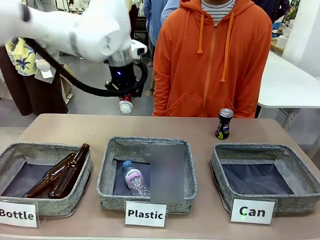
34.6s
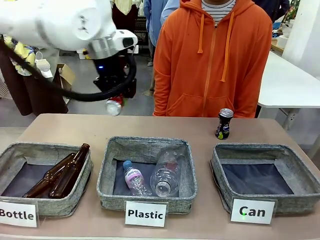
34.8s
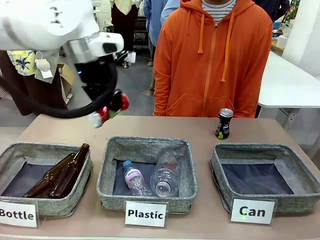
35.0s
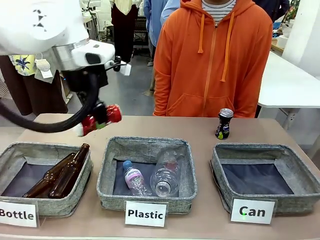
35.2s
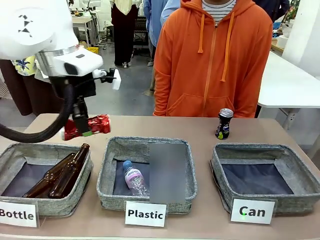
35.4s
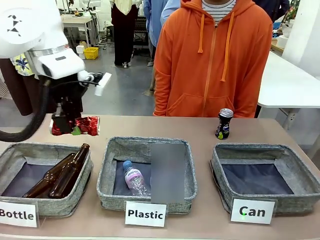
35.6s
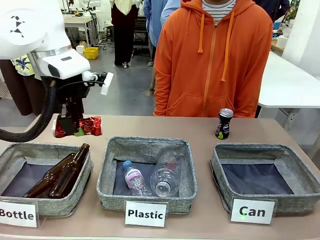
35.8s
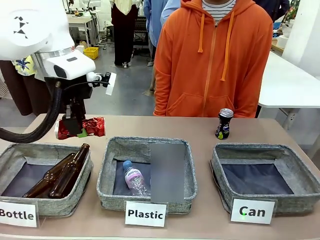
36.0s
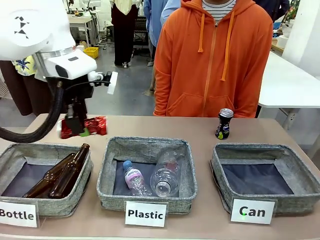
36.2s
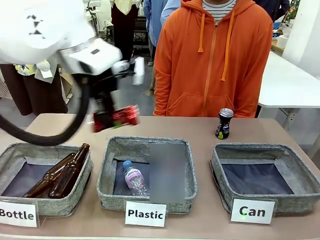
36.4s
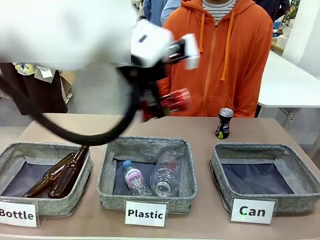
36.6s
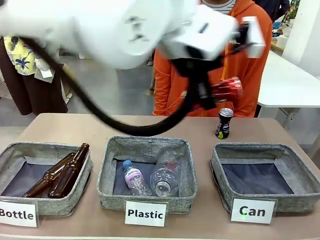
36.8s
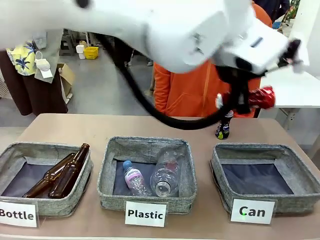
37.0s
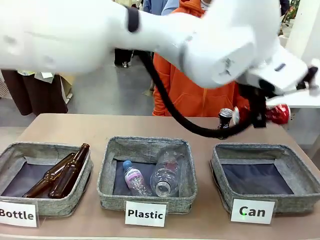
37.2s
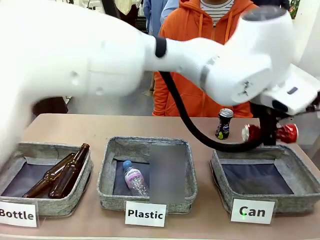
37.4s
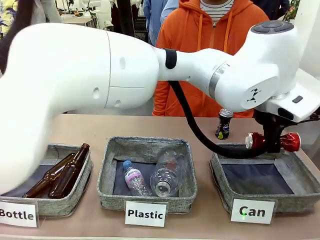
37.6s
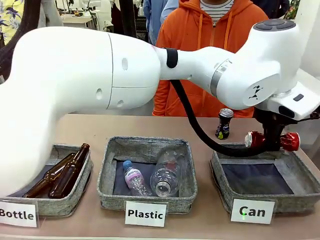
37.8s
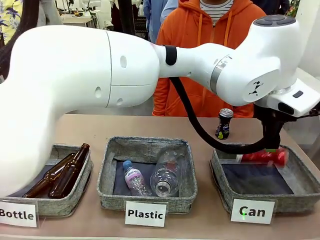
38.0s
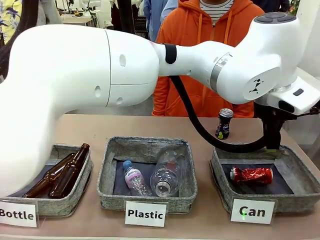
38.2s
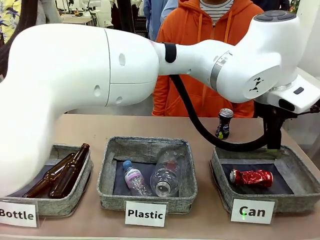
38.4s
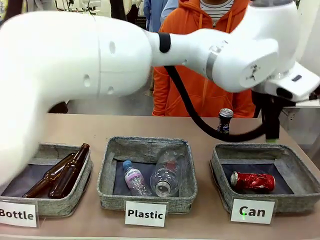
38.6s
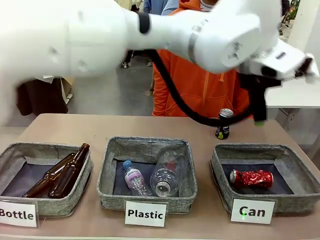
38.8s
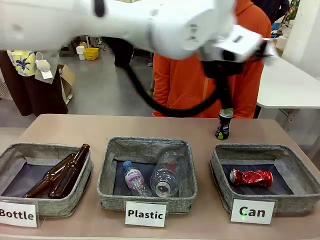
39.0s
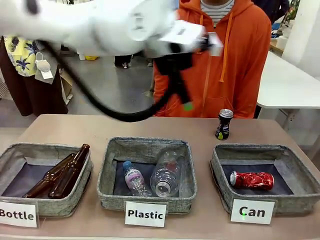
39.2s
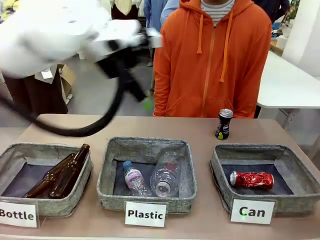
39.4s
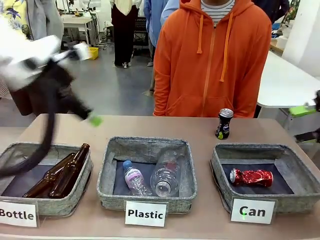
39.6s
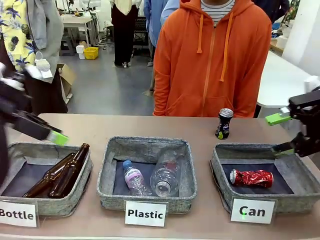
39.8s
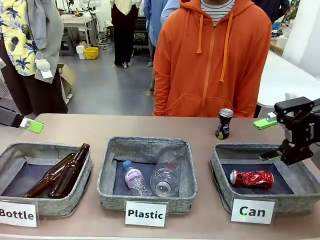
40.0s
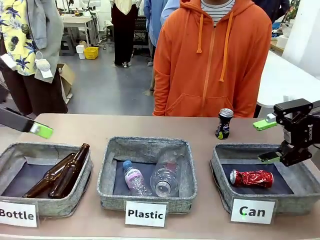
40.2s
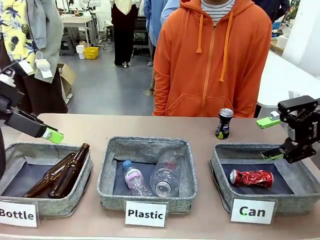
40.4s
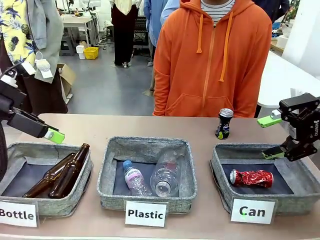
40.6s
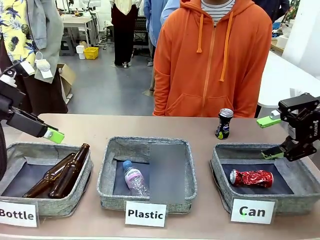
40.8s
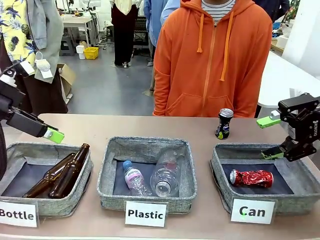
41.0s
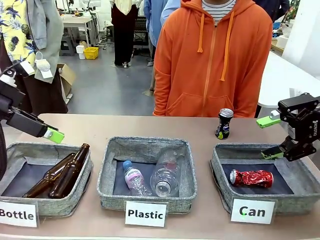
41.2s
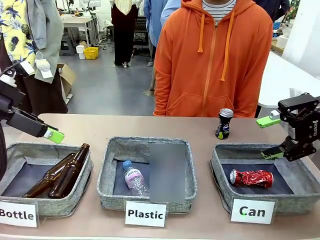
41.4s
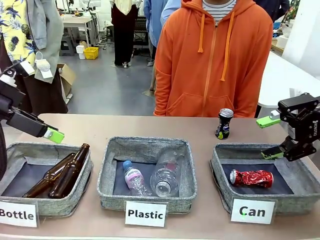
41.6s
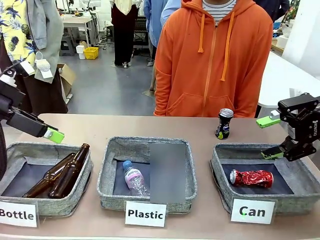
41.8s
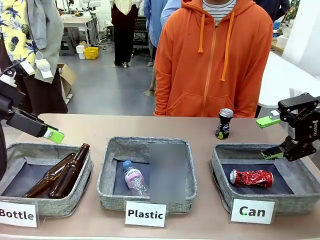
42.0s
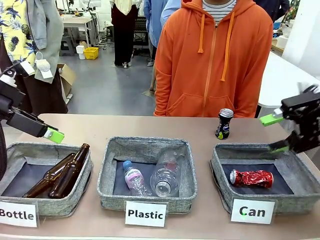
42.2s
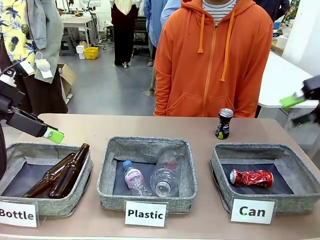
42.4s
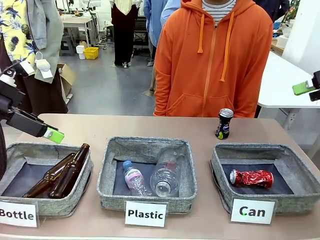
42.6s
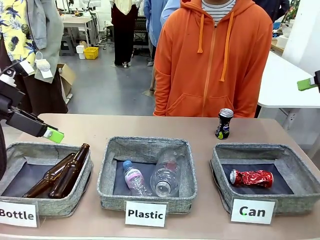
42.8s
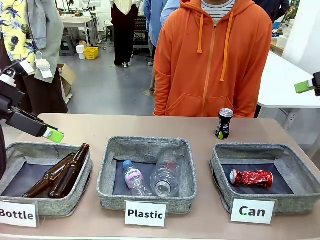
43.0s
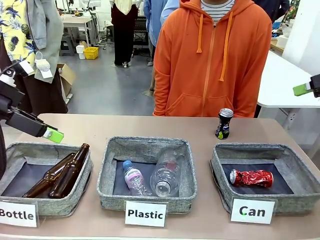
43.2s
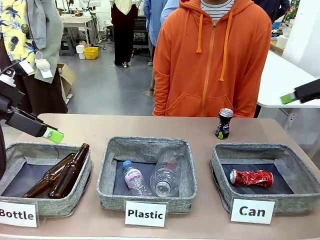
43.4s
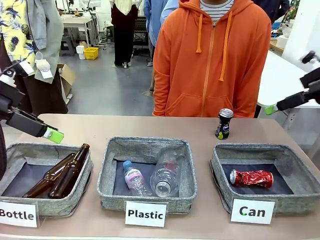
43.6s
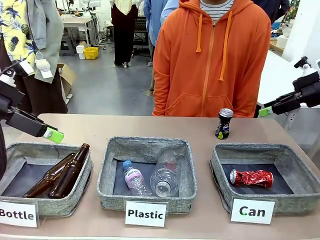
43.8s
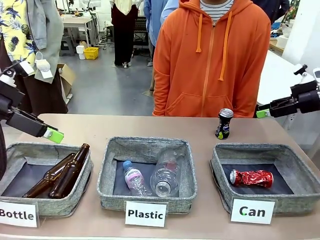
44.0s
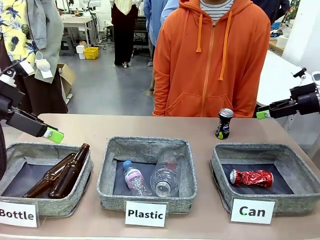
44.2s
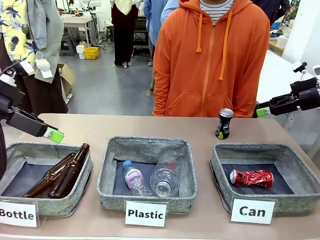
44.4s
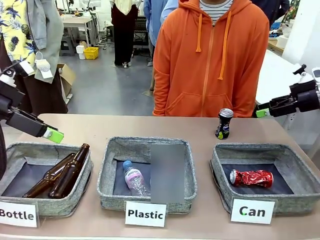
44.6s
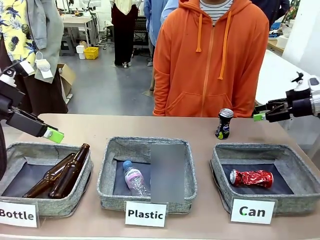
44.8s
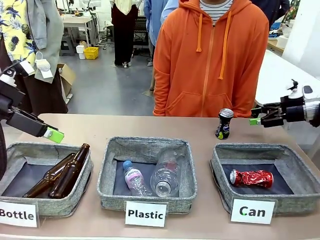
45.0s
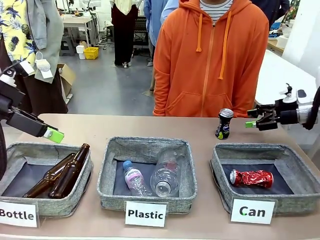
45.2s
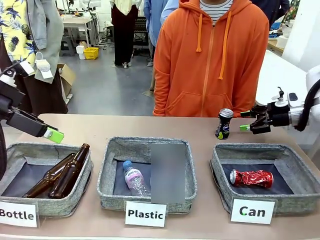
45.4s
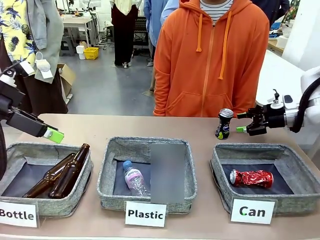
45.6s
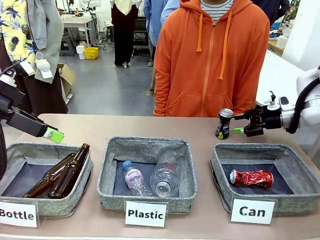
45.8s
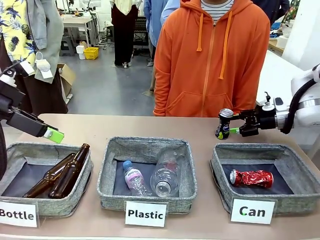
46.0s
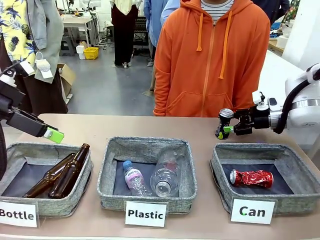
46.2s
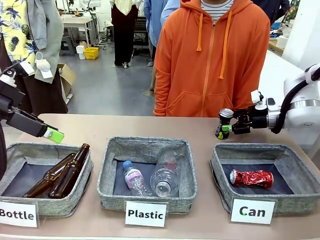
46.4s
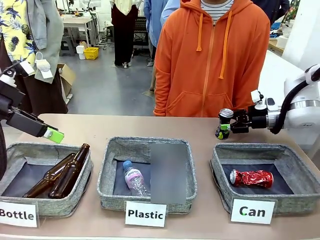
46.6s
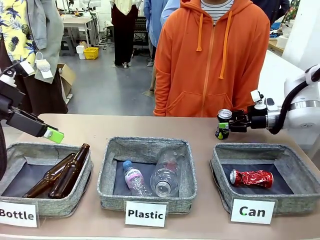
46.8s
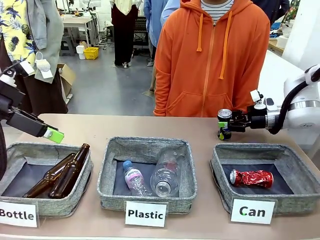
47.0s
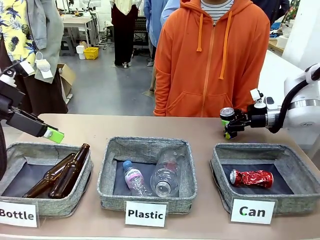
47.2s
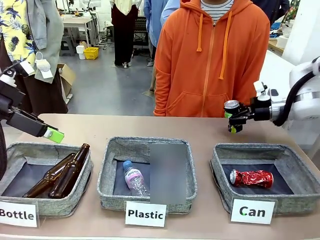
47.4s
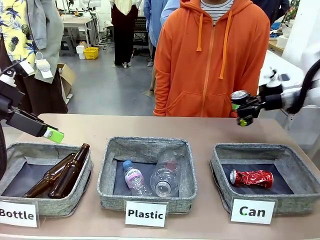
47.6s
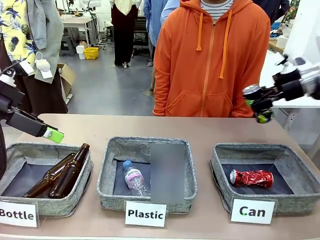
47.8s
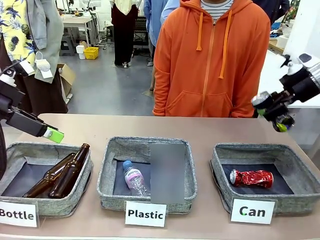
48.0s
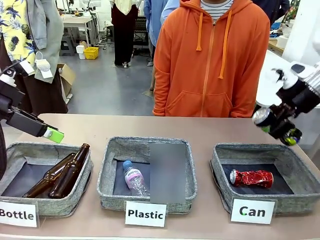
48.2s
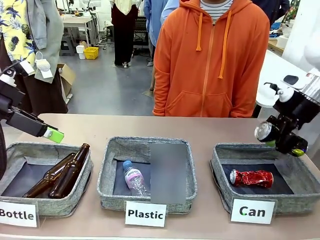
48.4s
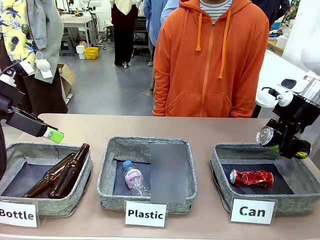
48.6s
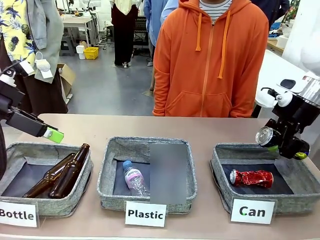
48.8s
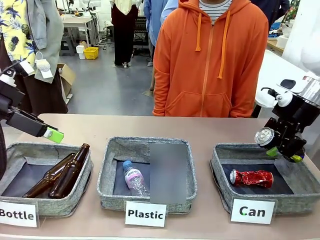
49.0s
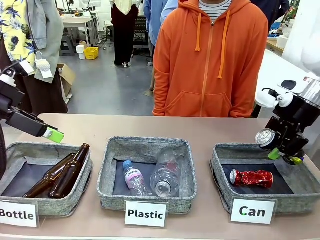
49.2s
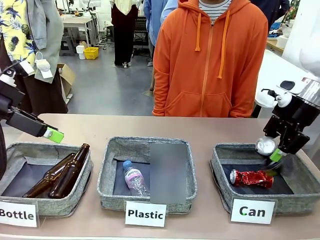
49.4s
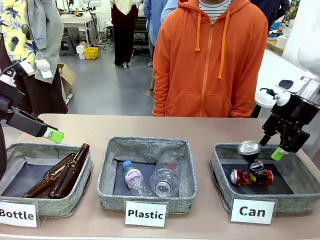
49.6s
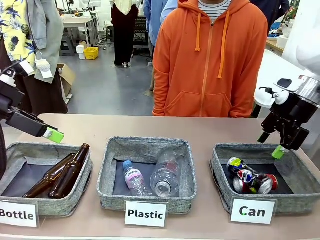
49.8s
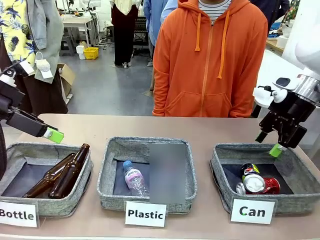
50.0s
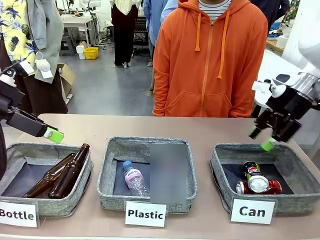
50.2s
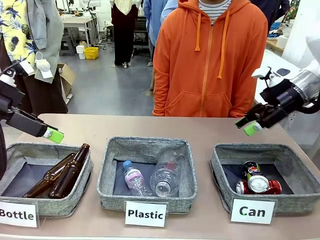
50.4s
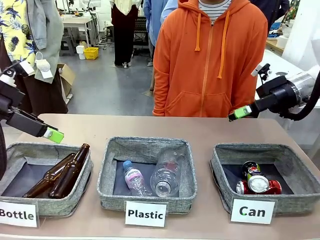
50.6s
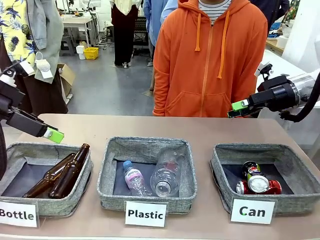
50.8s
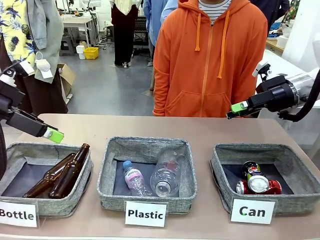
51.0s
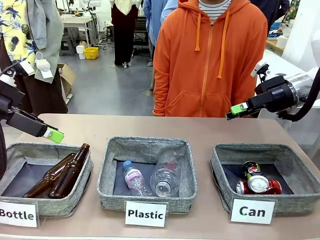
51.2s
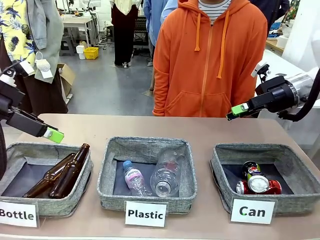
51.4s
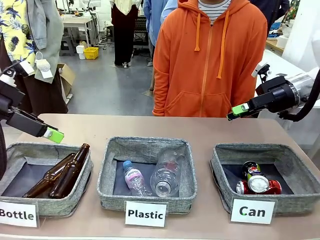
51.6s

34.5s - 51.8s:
Task: Sort the can waste into the basket.
Robot: Pick up the can waste from the table and place it in the right Fabric basket.

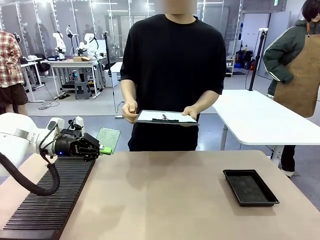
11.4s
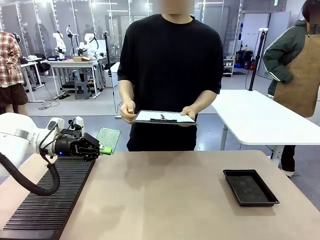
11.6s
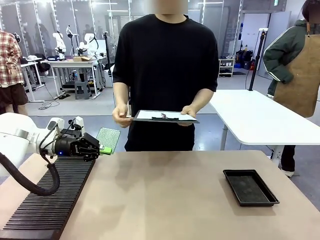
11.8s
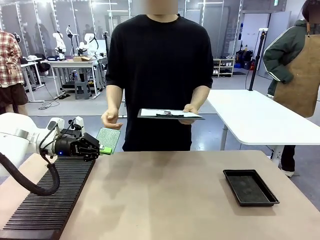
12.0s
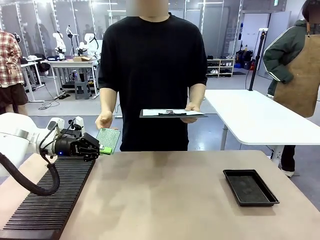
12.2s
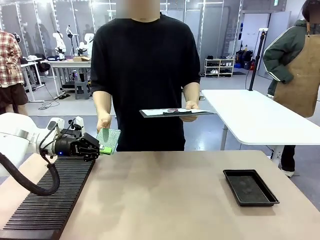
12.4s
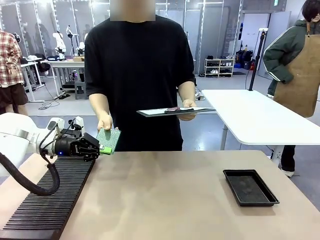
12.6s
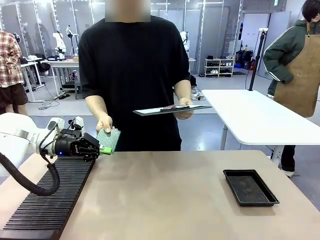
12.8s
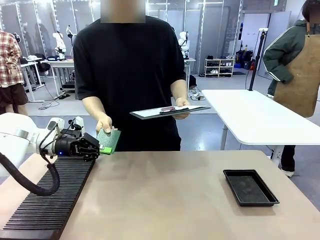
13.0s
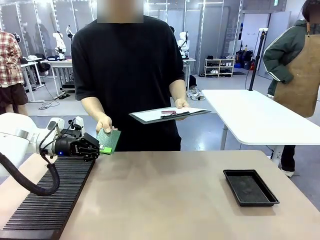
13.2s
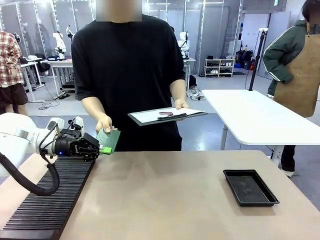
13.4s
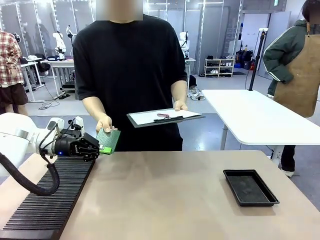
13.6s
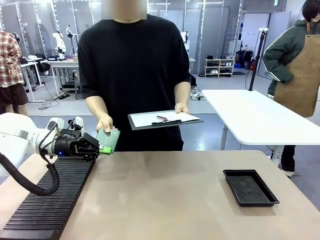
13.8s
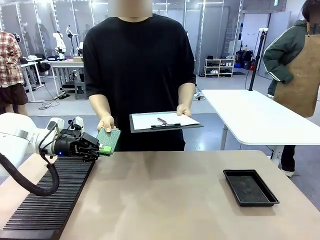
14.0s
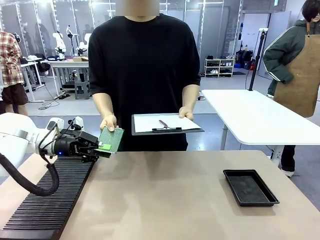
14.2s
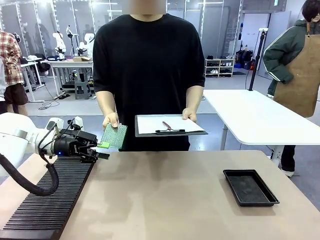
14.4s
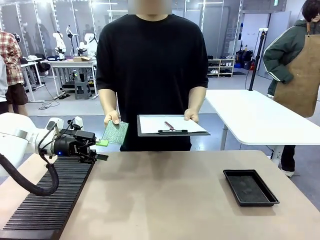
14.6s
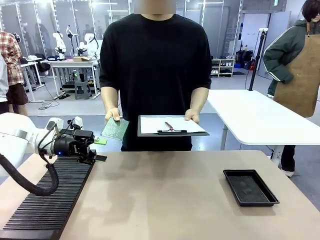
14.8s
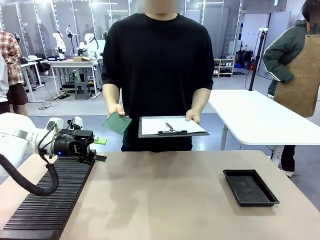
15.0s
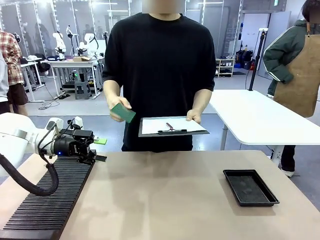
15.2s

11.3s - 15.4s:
Task: Inspect the PCB.
Robot: Release the Blank PCB you were holding.
